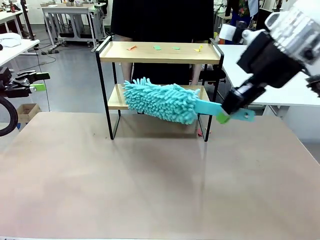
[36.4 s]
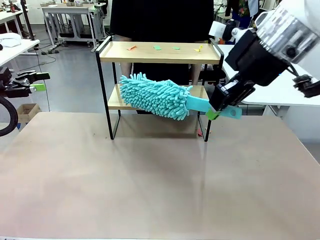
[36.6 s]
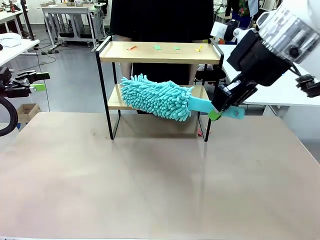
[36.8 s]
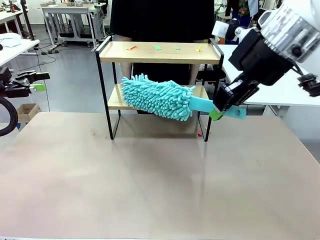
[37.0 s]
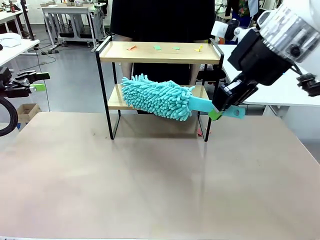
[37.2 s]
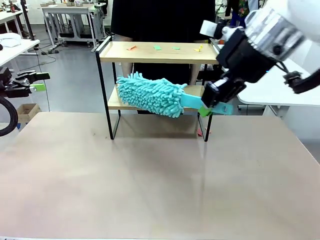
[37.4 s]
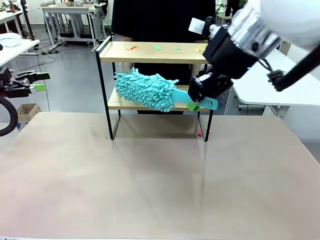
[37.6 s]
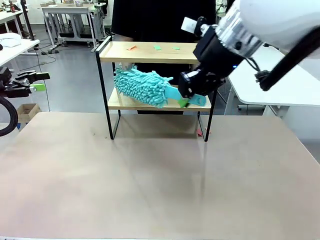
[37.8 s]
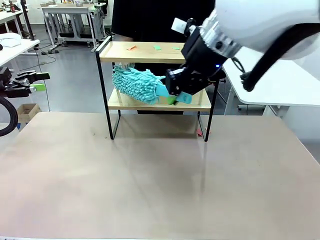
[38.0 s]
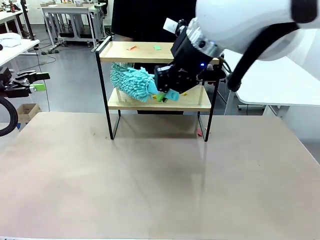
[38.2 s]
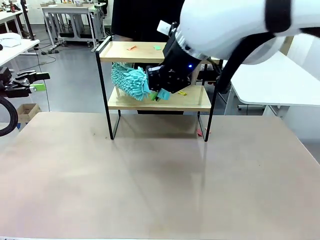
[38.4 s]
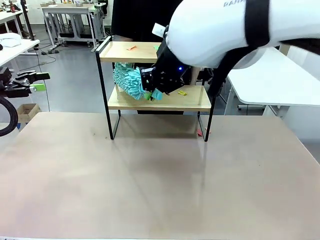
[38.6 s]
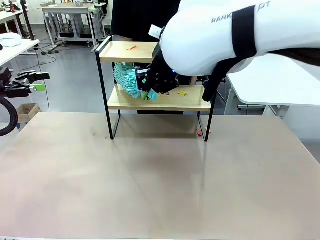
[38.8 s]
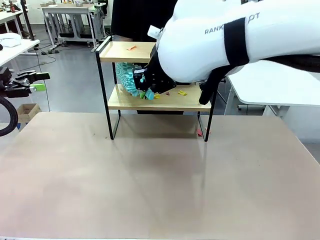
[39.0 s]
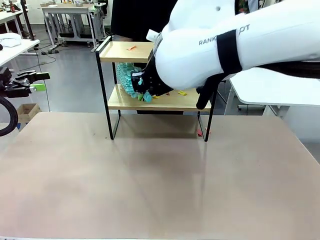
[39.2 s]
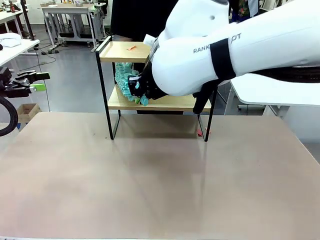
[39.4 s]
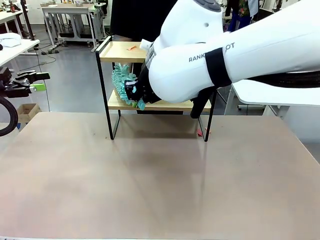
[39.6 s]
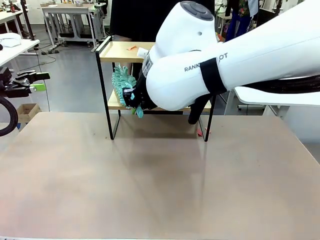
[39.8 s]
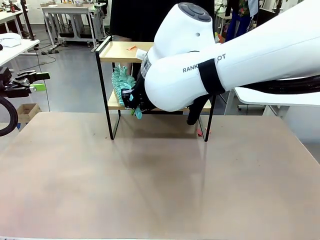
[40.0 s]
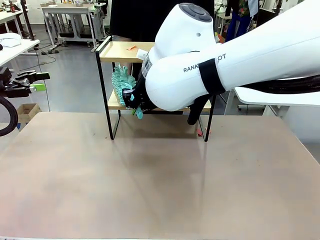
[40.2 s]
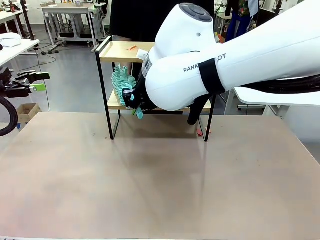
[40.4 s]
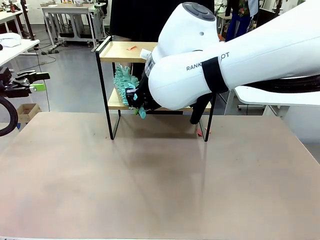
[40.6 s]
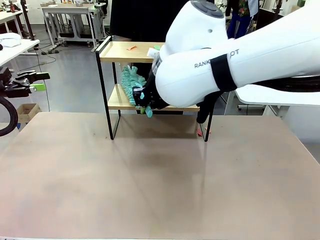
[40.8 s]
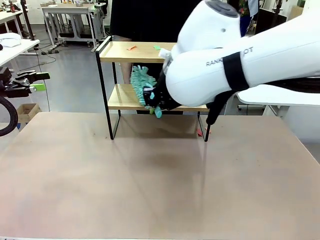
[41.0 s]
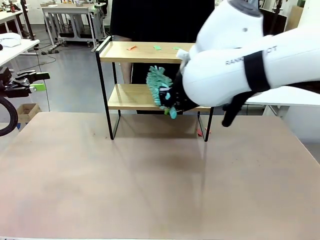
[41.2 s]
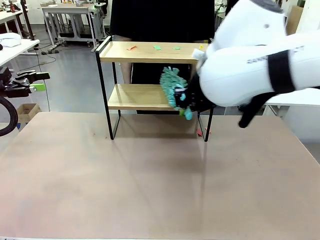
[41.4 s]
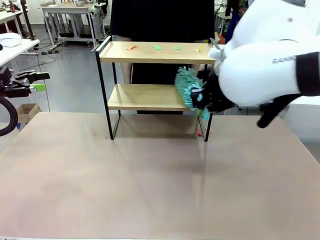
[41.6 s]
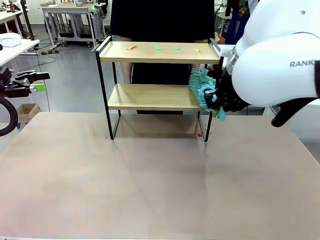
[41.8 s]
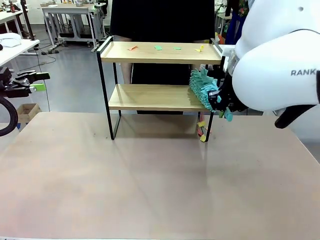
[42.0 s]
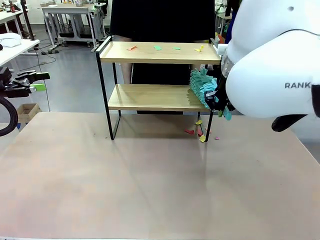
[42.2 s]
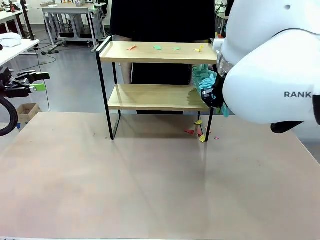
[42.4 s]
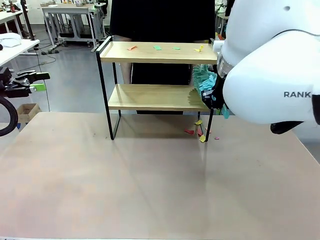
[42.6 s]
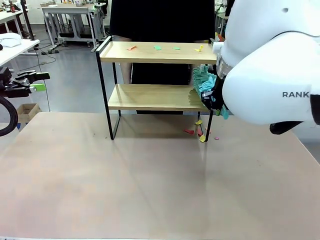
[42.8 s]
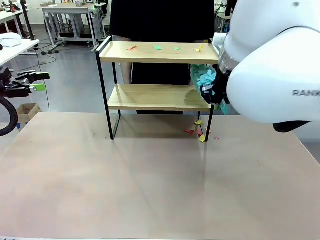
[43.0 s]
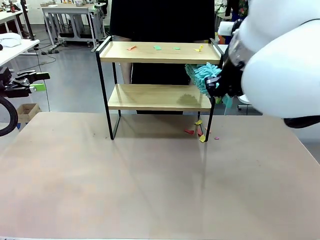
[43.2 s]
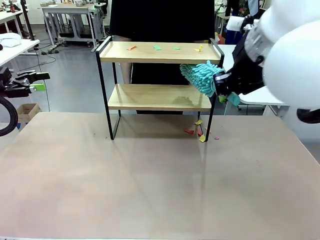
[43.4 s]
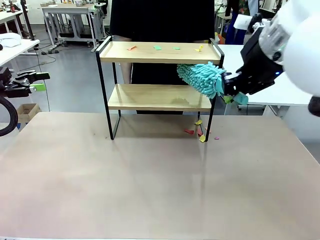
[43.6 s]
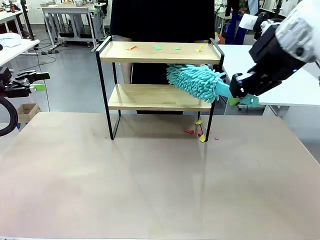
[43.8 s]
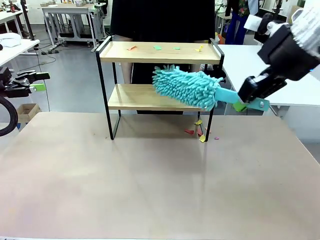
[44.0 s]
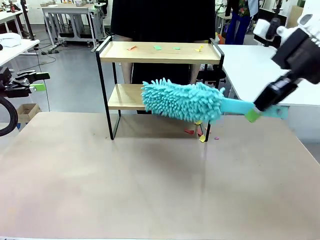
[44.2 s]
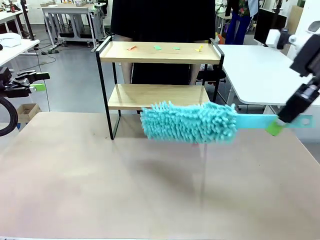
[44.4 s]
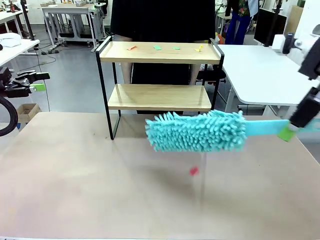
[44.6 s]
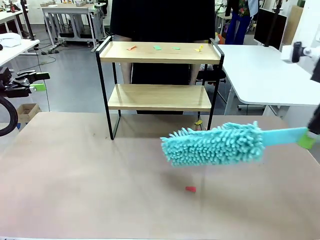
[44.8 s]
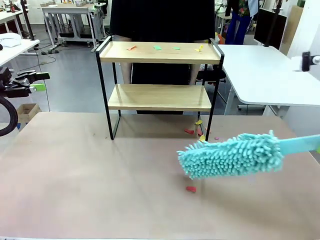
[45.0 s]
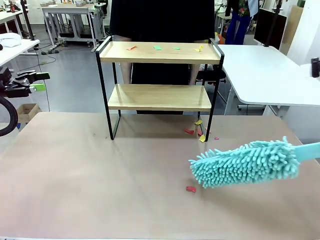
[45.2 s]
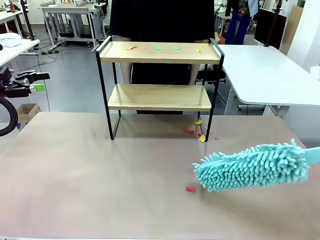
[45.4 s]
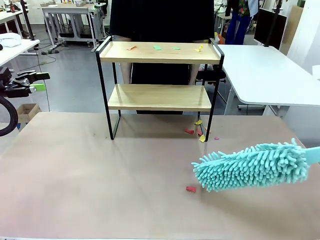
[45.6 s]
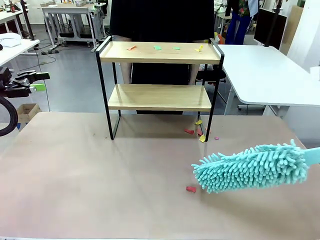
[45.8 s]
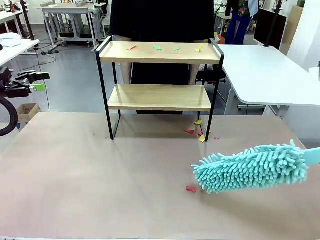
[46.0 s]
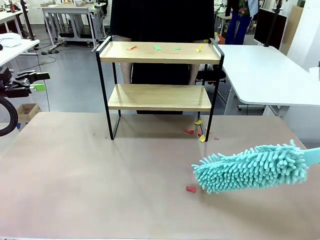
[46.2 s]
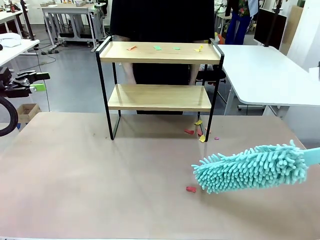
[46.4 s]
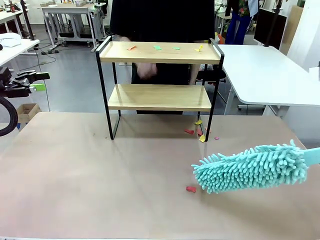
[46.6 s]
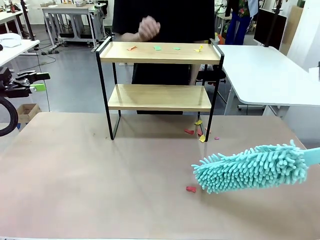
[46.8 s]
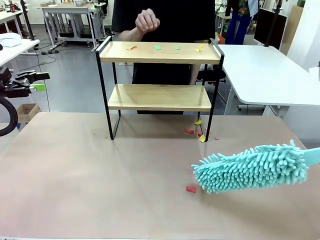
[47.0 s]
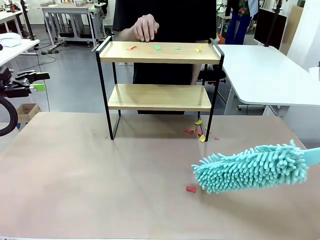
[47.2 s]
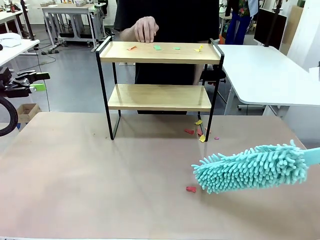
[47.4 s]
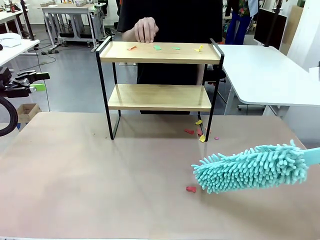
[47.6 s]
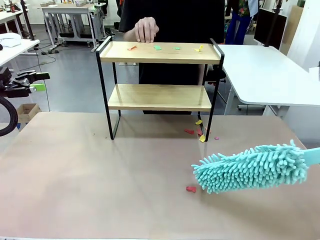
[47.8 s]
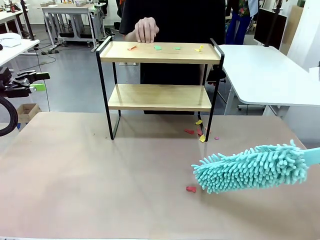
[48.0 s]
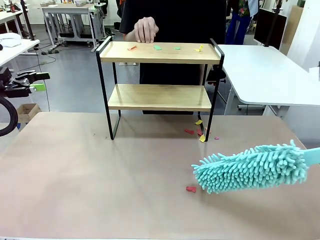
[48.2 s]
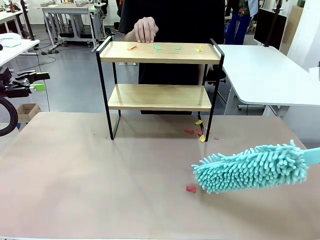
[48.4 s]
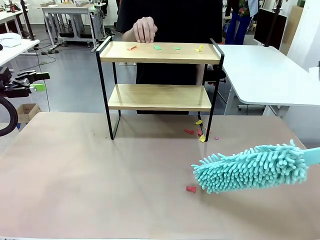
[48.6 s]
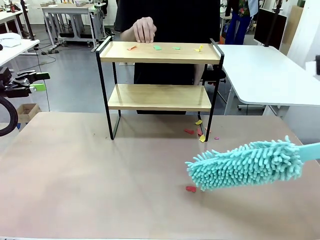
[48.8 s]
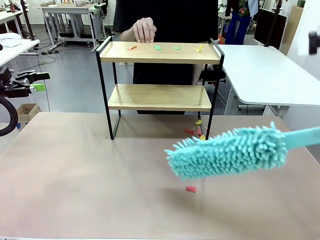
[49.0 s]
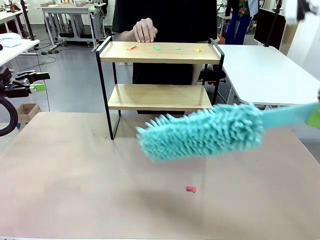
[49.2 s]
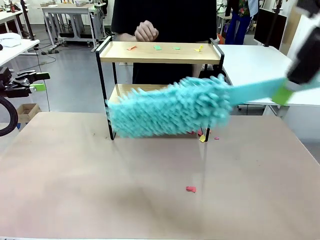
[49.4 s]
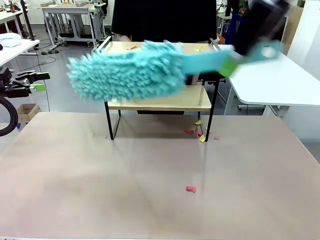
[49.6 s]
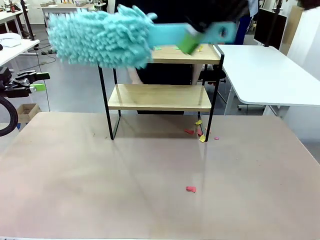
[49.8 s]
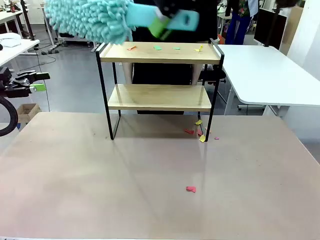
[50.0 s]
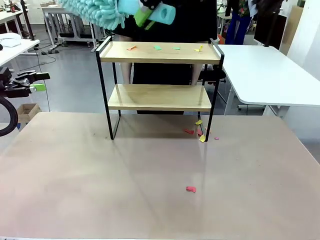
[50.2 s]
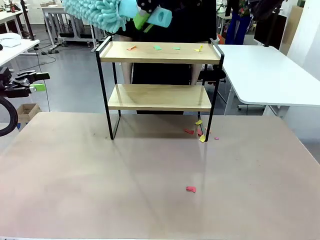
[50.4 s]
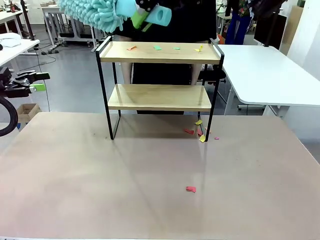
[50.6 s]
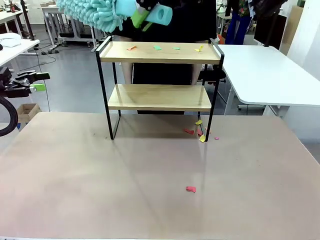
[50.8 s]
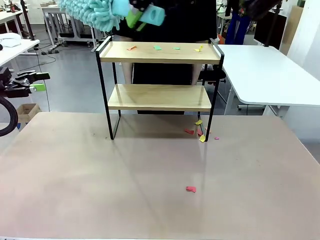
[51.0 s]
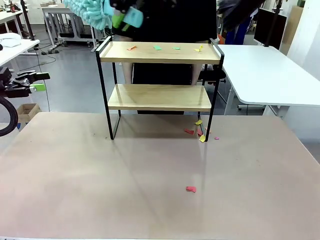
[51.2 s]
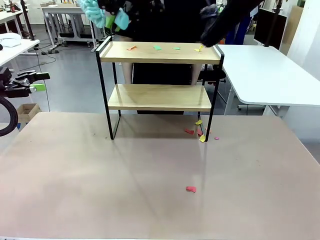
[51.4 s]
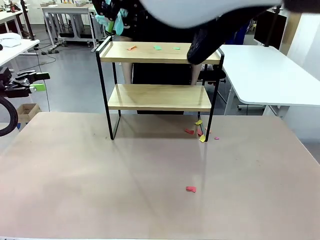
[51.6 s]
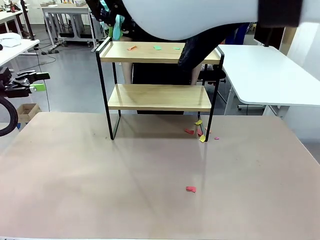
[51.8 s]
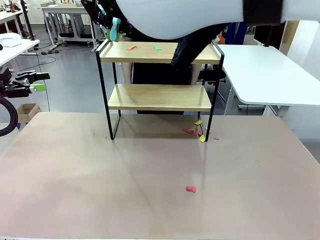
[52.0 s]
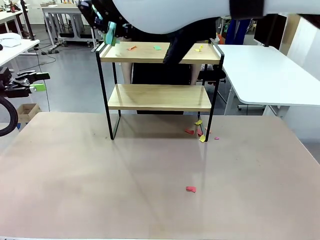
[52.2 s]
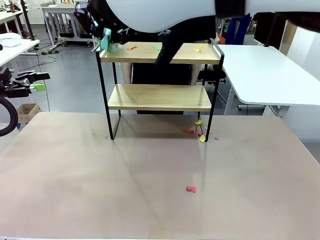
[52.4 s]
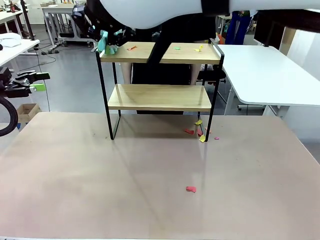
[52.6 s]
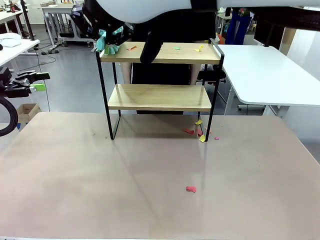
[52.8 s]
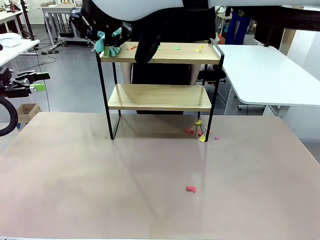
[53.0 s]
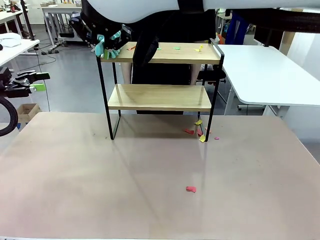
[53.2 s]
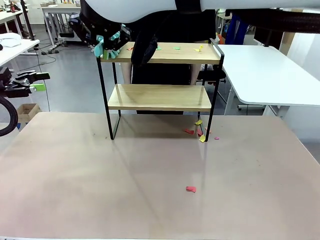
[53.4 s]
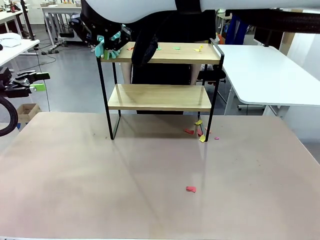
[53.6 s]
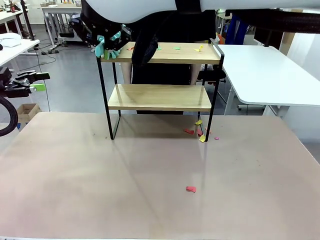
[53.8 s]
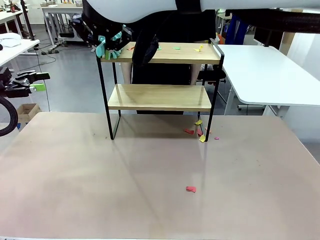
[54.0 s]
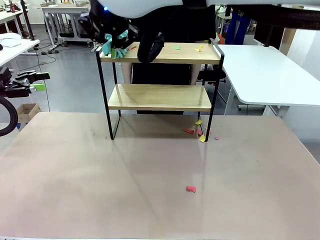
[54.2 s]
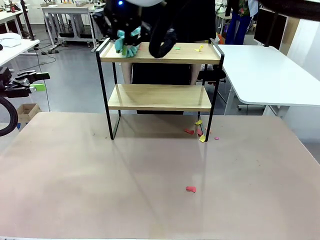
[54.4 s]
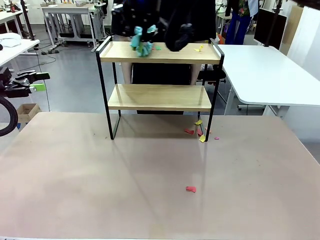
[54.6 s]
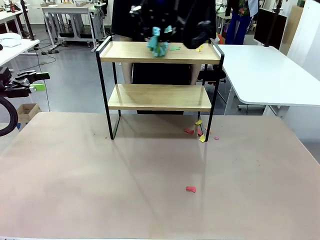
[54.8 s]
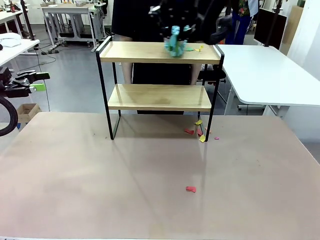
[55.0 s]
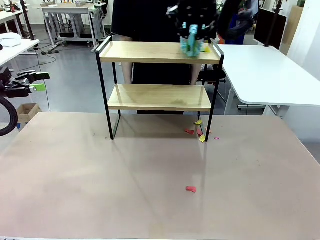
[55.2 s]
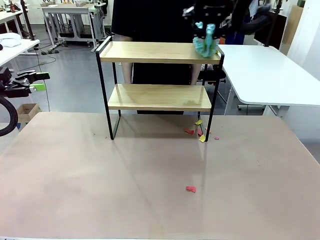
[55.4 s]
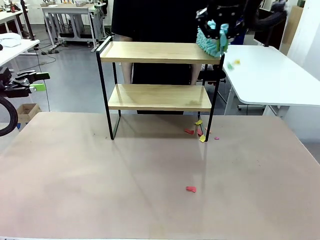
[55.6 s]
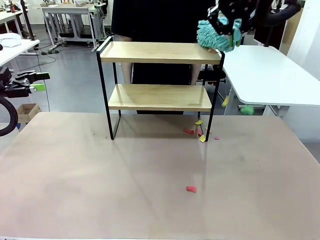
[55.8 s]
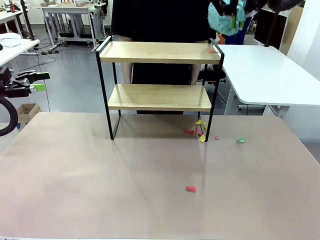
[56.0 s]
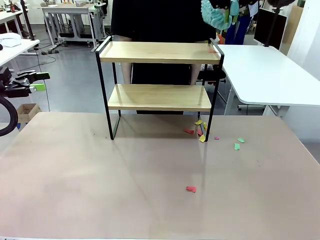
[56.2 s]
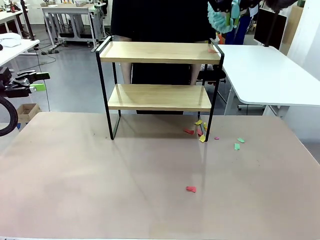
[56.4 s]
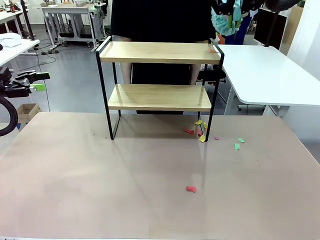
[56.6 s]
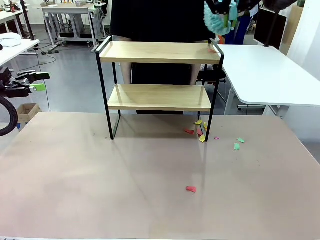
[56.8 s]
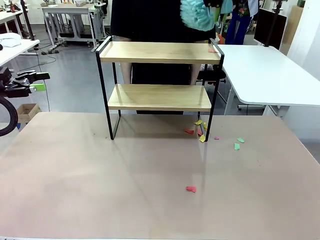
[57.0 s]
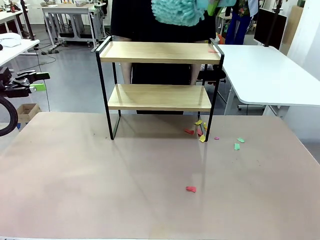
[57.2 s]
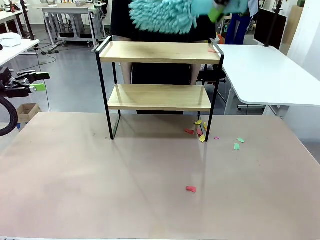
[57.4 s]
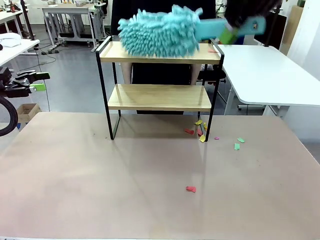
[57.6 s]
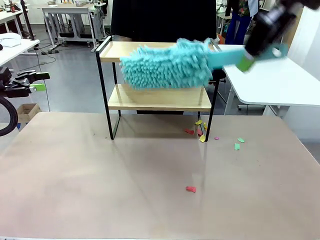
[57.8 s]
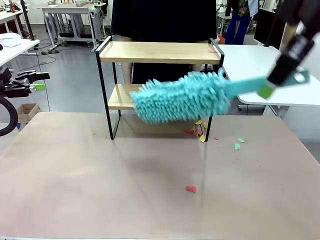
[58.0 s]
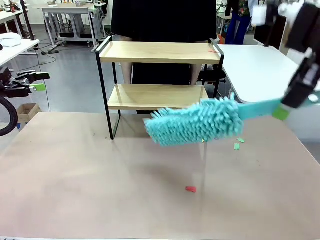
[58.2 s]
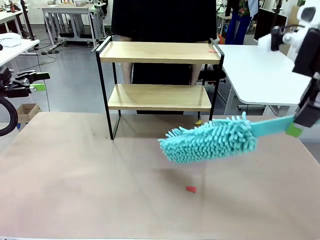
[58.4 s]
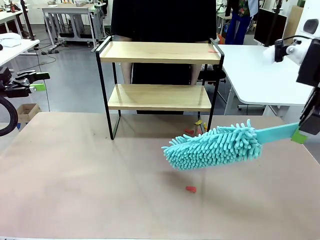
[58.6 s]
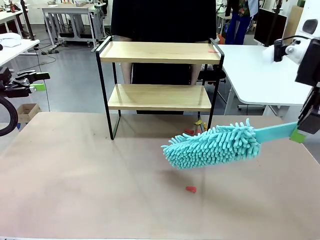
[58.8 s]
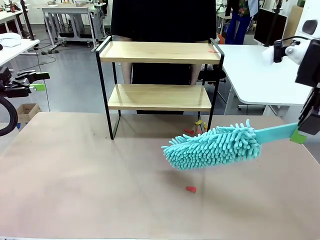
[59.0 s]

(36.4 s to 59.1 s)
Task: Clean the shelf.
Robot: Clean the specific section of the Shelf indicated by the human with the Duster.
Person: Point a remaining section of the Shelf.
